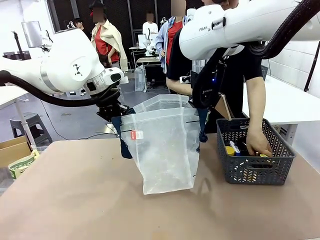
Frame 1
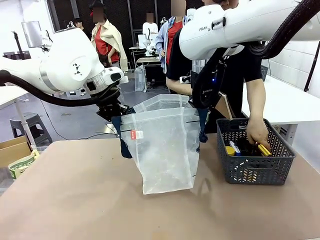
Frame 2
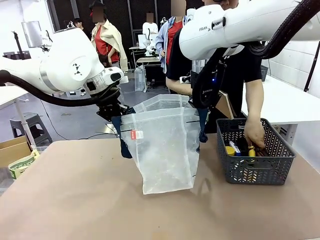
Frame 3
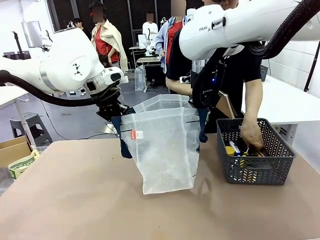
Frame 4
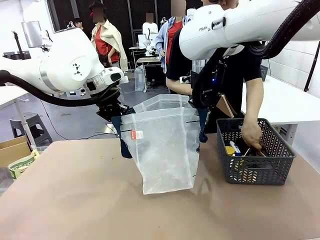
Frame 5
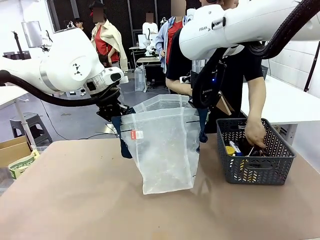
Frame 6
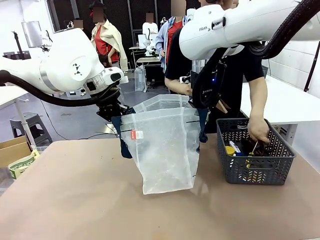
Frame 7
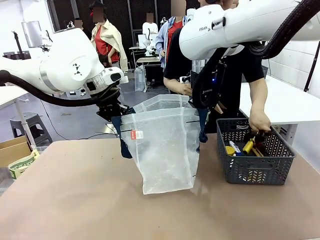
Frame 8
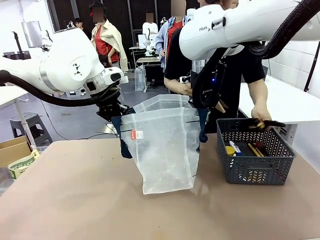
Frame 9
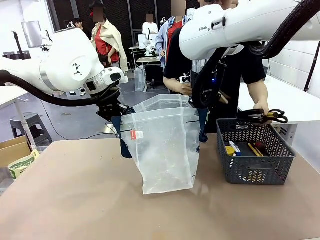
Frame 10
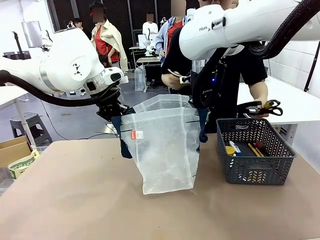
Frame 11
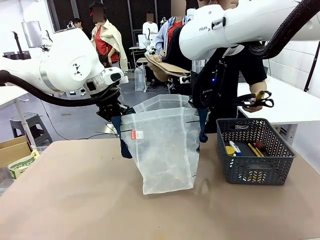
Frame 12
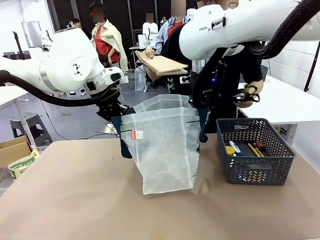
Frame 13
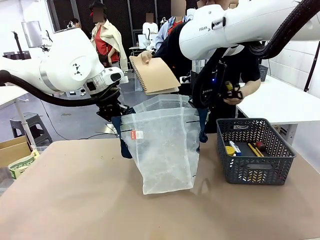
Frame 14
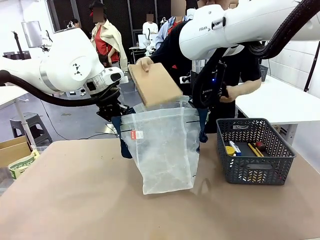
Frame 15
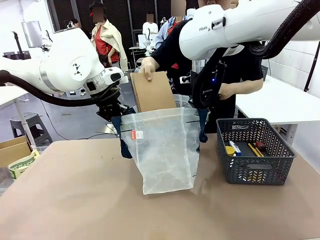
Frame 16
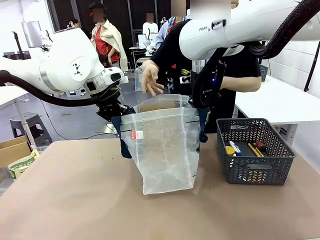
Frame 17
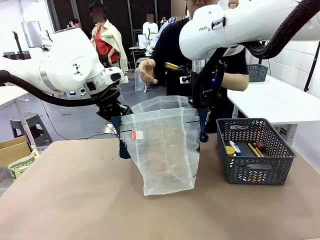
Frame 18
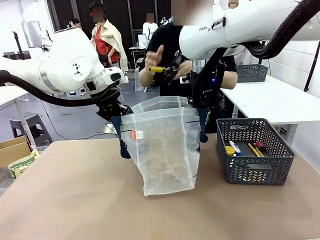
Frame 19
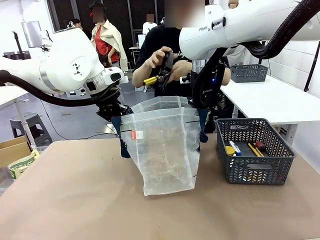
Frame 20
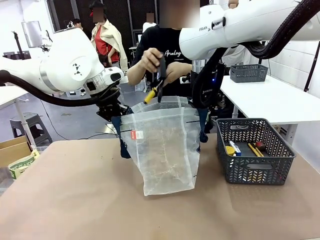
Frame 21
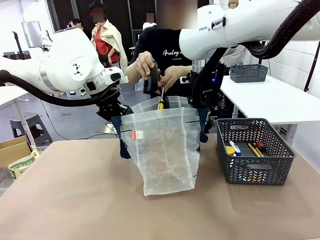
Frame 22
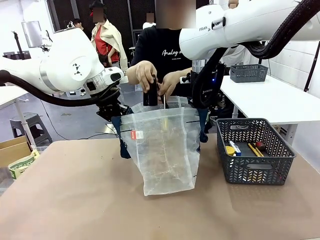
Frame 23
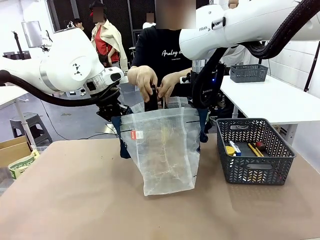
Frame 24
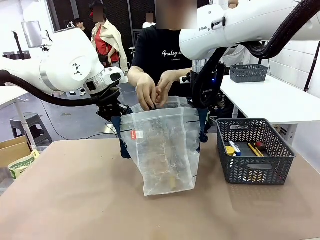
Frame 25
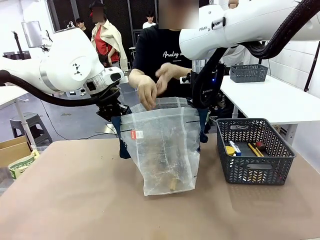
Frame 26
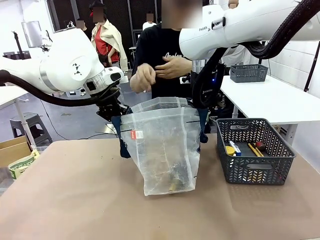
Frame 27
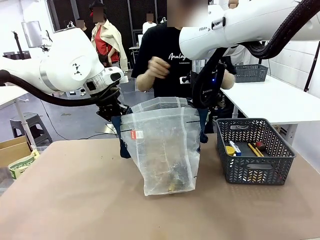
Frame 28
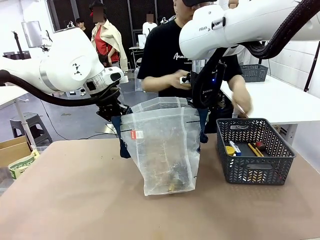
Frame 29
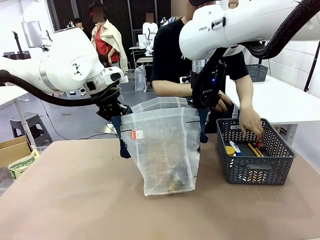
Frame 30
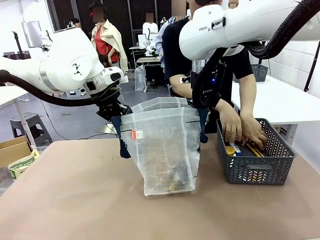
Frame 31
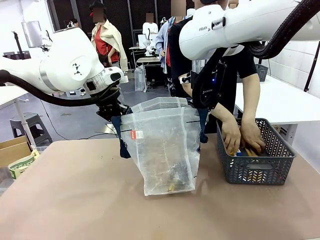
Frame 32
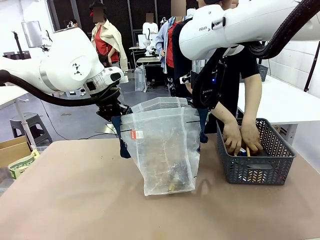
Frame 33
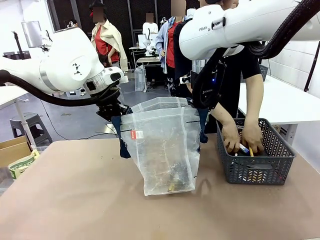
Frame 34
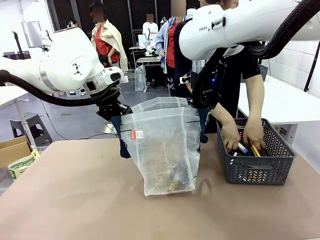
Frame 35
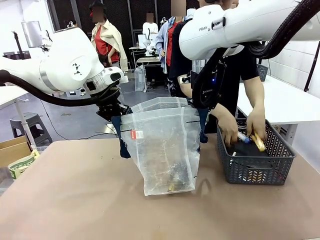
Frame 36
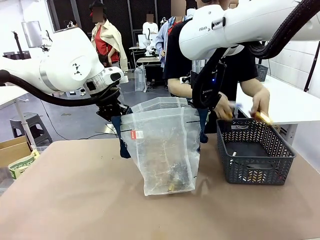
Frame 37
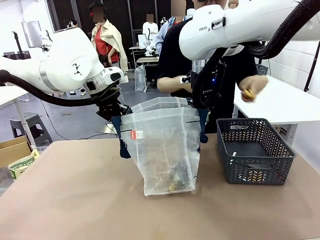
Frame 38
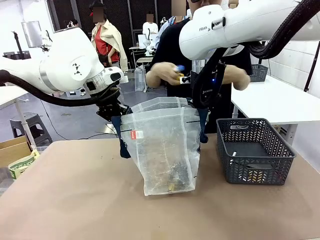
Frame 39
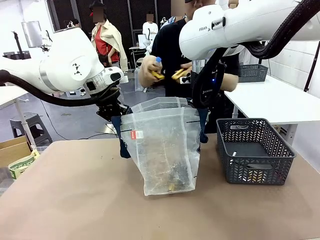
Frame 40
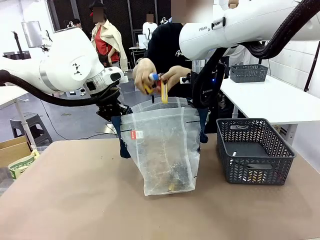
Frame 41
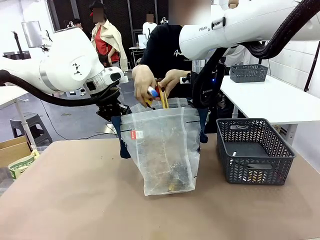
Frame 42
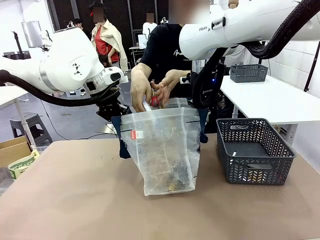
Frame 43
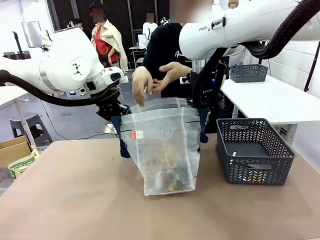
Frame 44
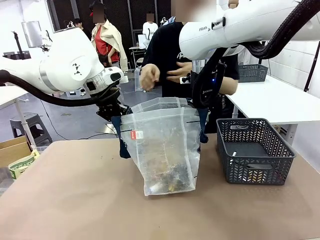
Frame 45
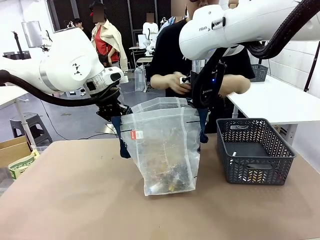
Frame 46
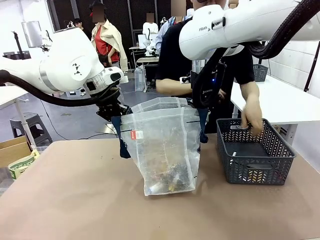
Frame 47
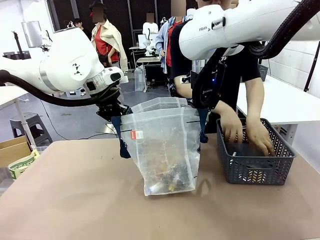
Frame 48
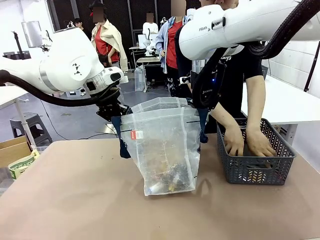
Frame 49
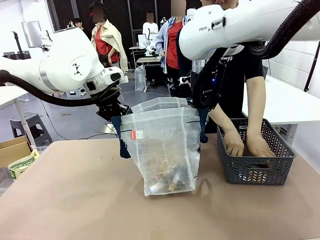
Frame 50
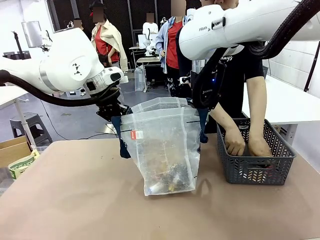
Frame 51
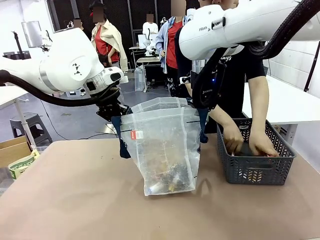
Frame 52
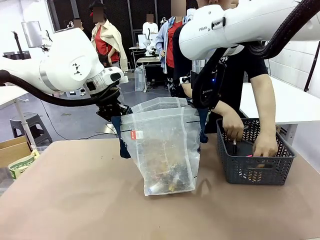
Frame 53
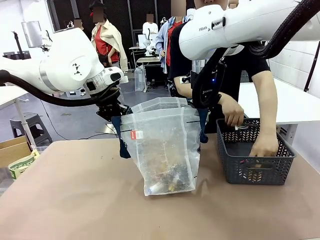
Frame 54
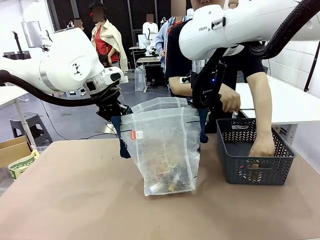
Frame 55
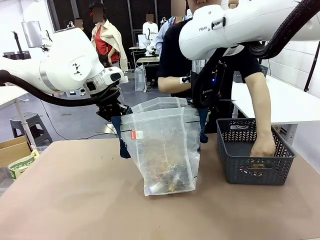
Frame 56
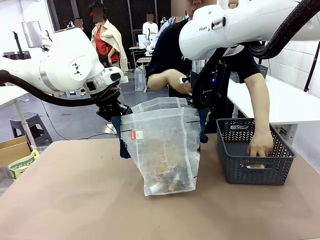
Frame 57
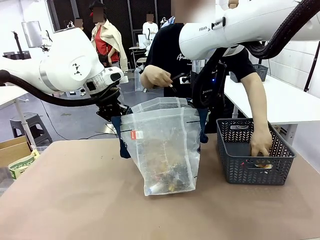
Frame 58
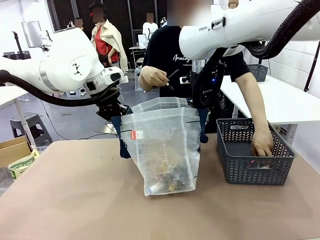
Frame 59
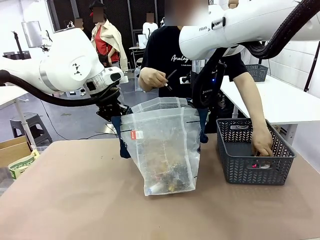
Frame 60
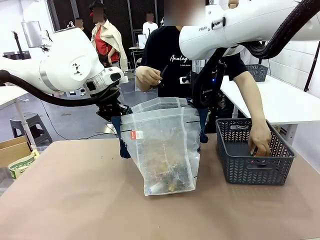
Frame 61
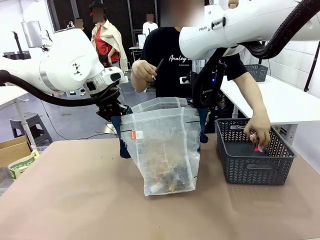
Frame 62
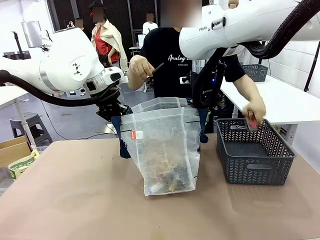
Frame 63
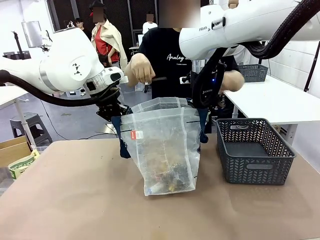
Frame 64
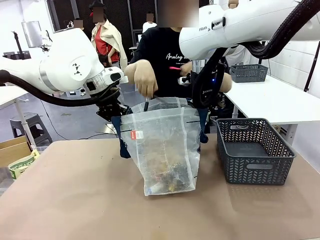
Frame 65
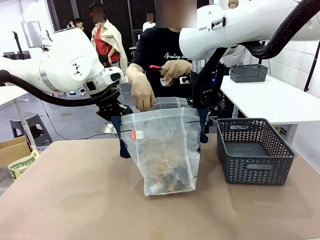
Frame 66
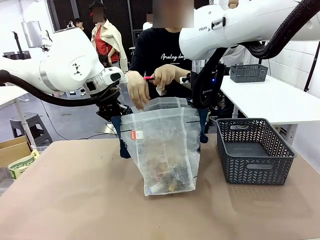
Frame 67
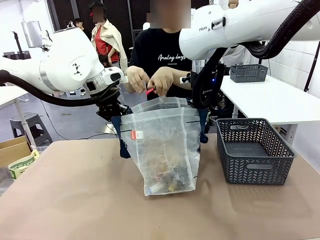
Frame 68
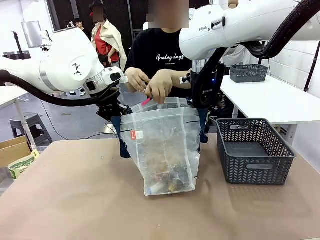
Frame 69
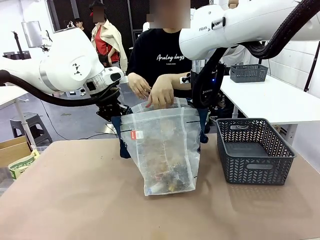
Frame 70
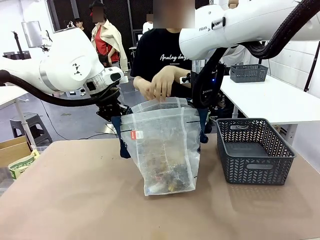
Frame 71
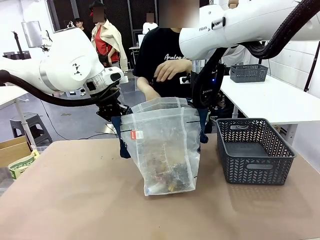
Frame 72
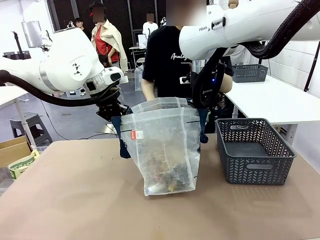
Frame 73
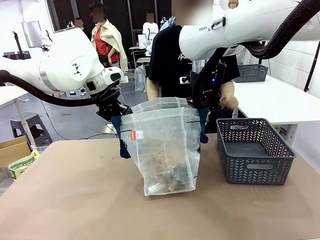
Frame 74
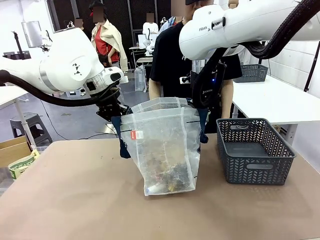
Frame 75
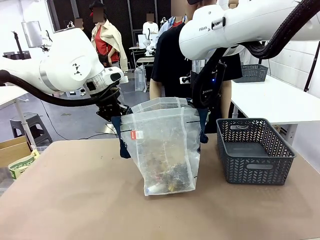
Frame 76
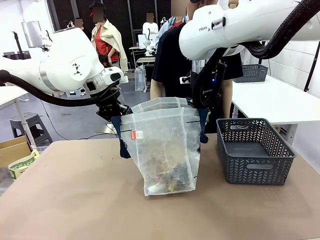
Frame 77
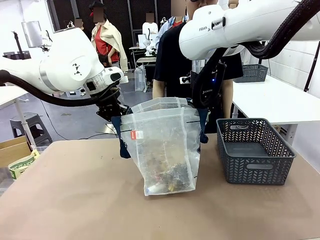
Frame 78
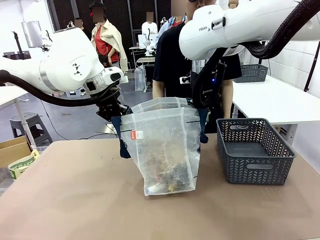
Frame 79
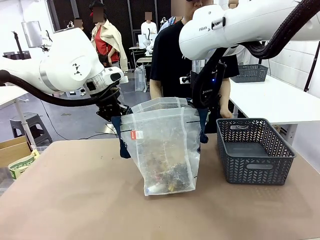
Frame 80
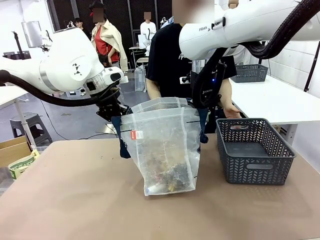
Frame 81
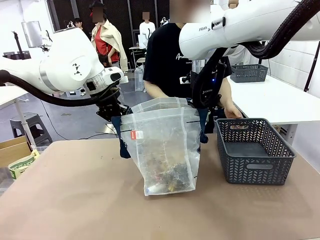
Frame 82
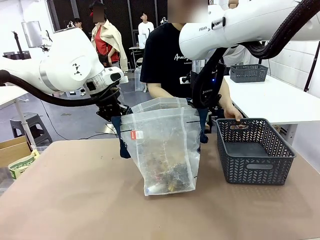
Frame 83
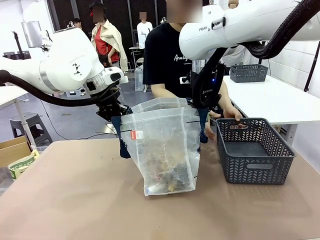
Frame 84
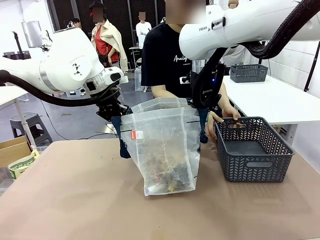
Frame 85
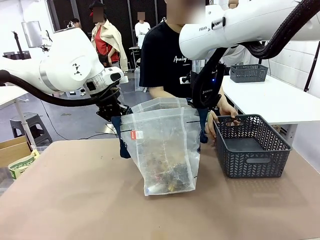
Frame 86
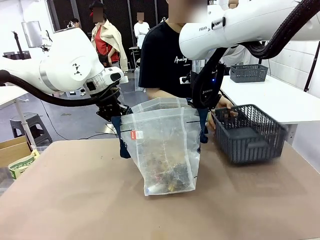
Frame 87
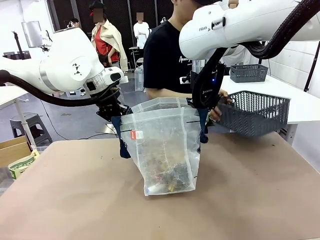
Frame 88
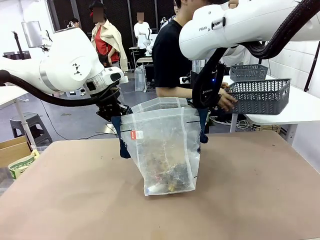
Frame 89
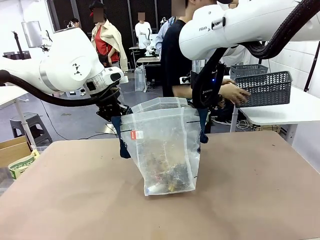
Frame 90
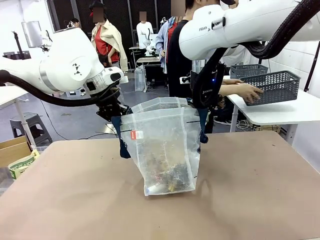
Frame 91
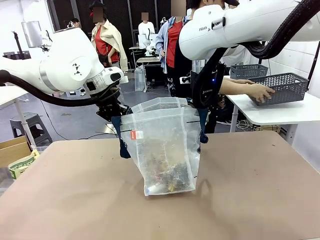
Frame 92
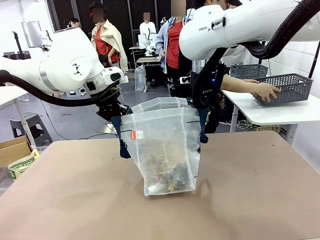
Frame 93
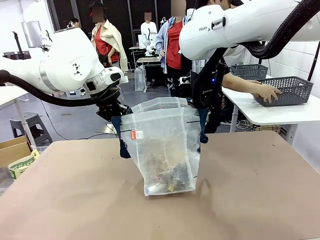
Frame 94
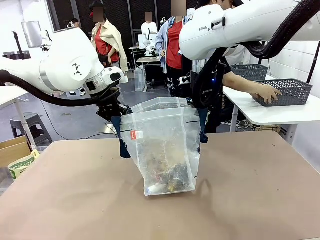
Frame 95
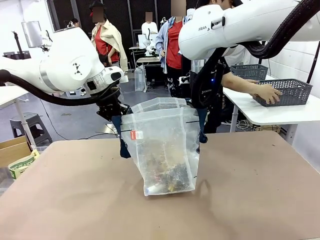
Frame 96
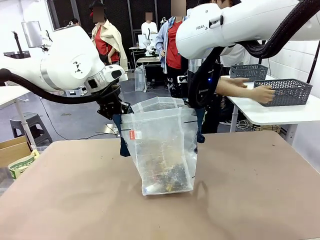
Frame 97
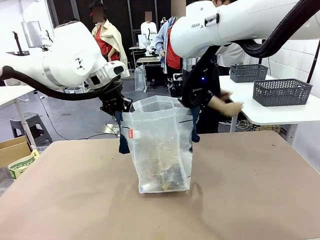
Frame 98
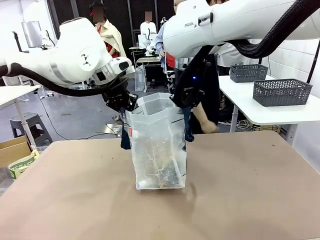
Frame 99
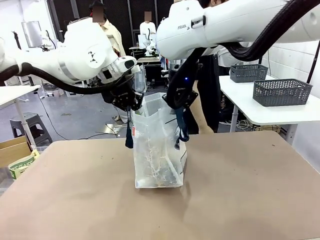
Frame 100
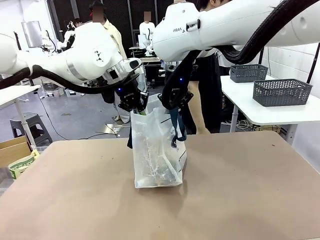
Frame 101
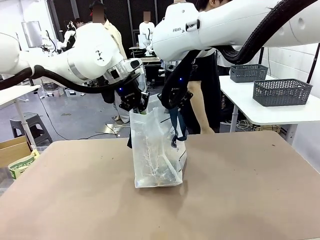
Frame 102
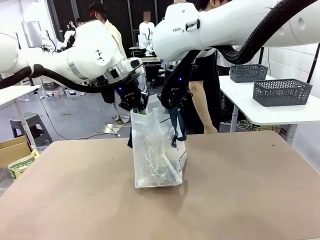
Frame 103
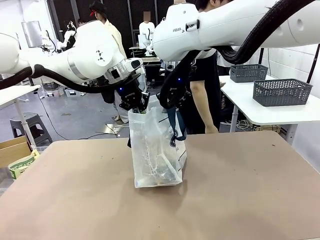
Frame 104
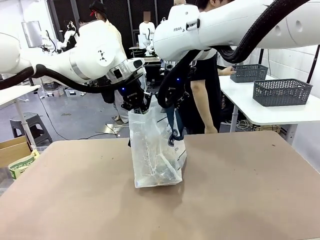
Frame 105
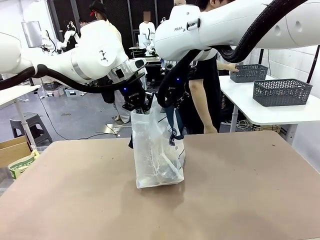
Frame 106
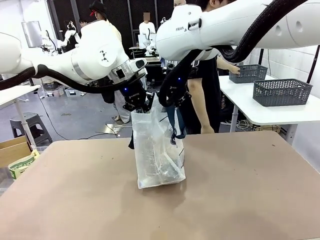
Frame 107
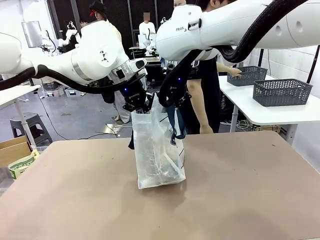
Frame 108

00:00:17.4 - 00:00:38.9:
Task: Transfer purchased items from the store into the shopping bag.
Robot: Move the Reusable shopping bag to the right side of the table.
Person: Pick up the basket on the right, place it on the left side of the robot table, and move the items in the basket to the shopping bag. Pick up the basket with the items out and place it on the right side of the human table.
